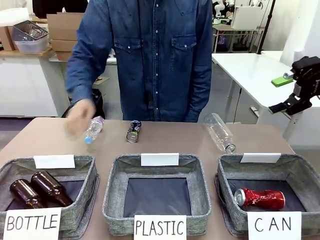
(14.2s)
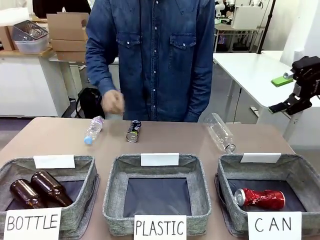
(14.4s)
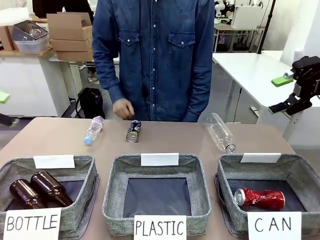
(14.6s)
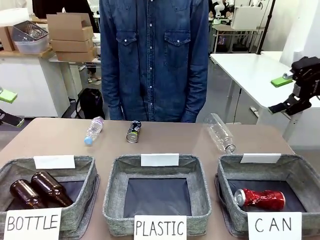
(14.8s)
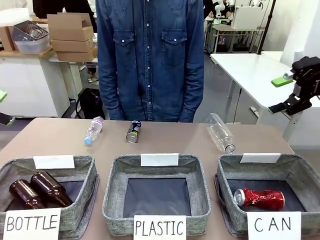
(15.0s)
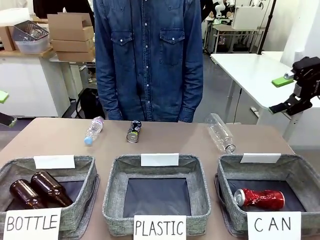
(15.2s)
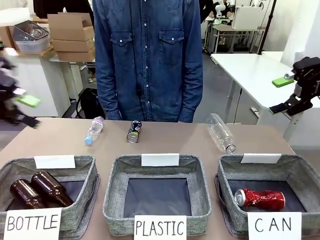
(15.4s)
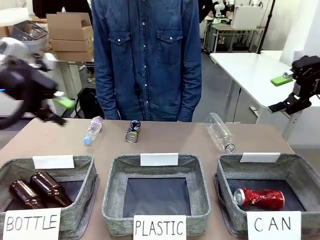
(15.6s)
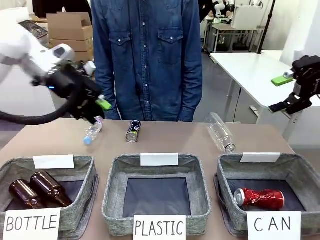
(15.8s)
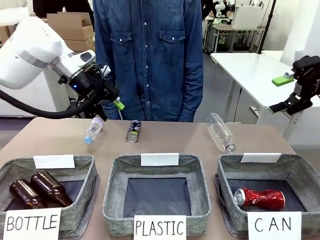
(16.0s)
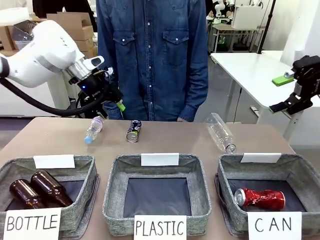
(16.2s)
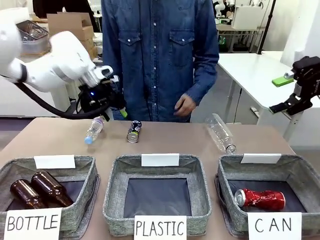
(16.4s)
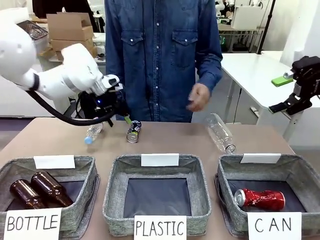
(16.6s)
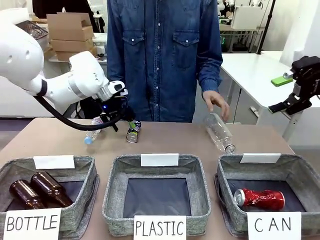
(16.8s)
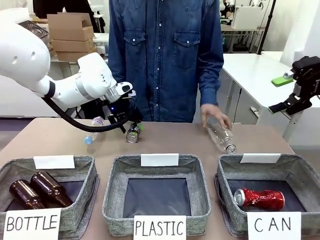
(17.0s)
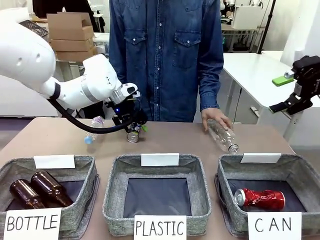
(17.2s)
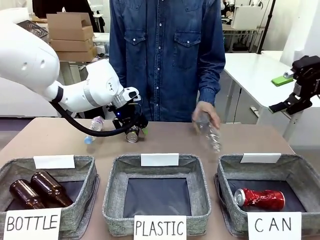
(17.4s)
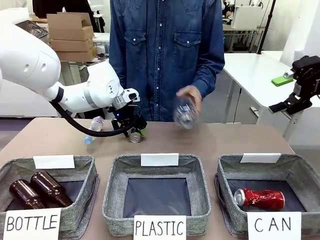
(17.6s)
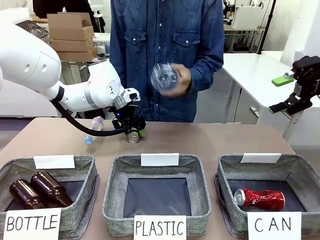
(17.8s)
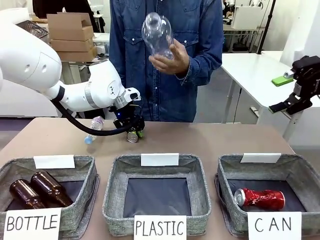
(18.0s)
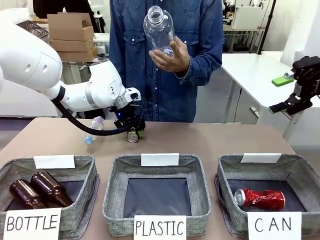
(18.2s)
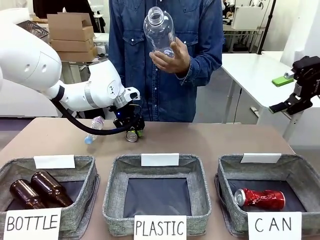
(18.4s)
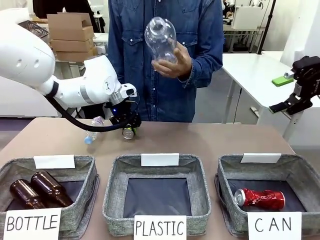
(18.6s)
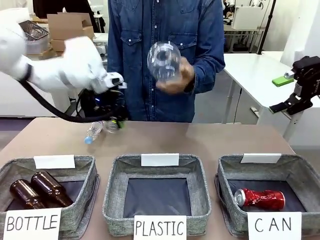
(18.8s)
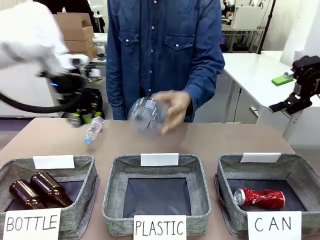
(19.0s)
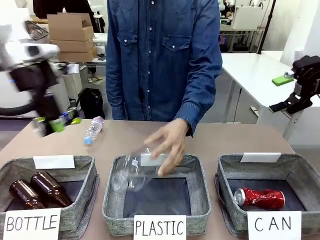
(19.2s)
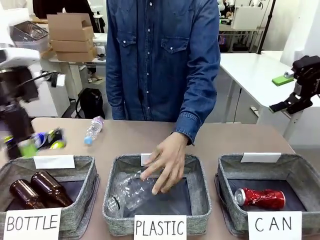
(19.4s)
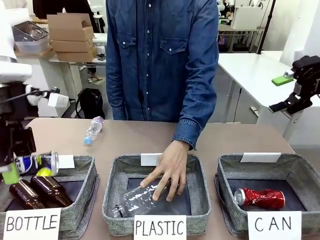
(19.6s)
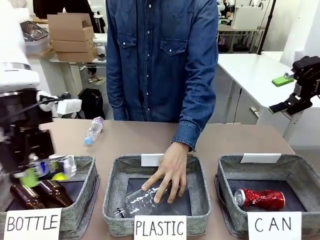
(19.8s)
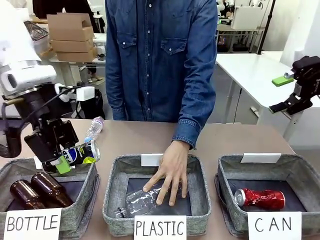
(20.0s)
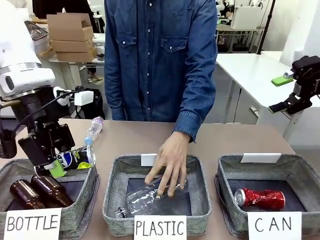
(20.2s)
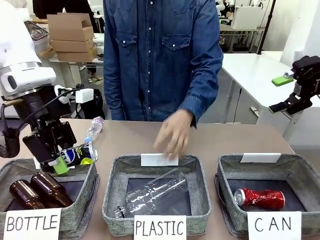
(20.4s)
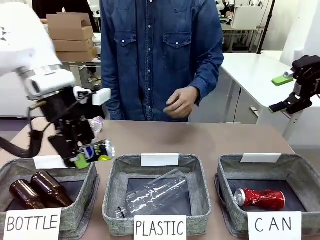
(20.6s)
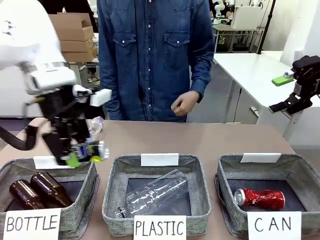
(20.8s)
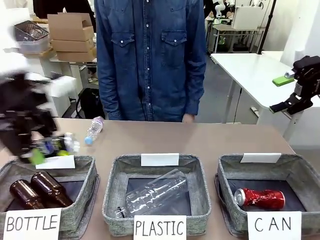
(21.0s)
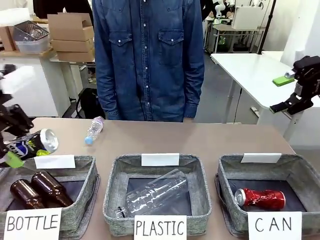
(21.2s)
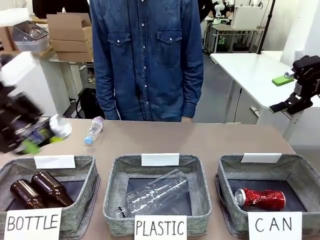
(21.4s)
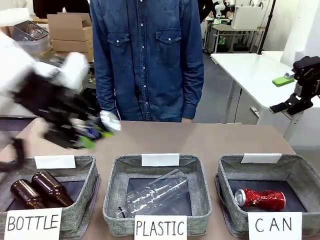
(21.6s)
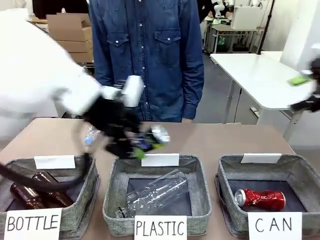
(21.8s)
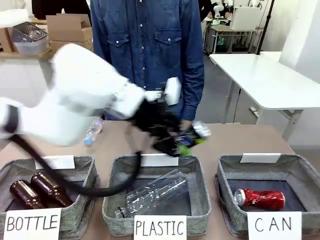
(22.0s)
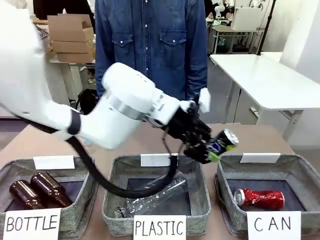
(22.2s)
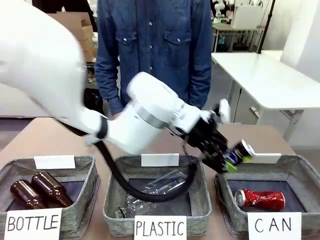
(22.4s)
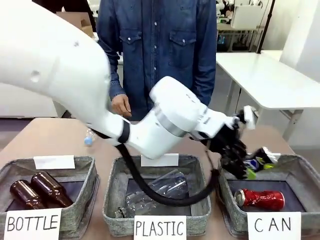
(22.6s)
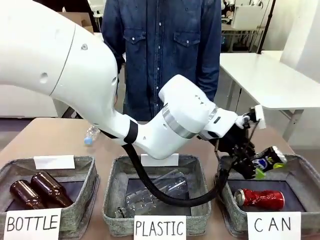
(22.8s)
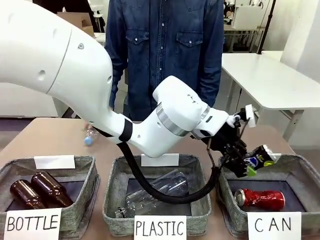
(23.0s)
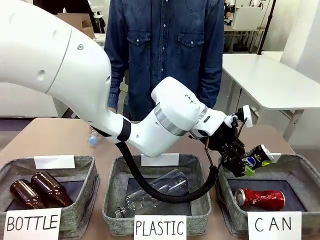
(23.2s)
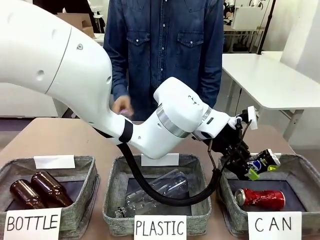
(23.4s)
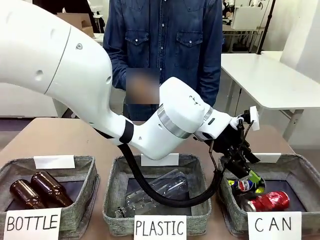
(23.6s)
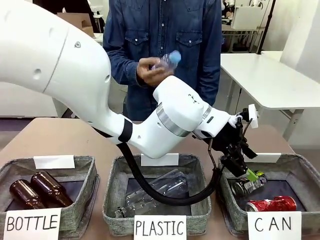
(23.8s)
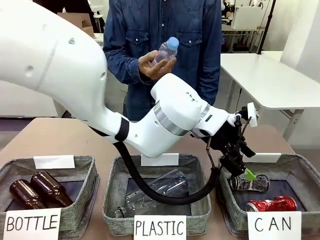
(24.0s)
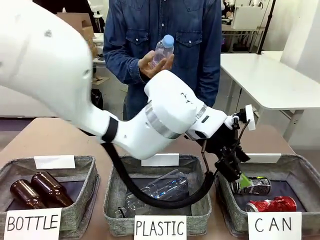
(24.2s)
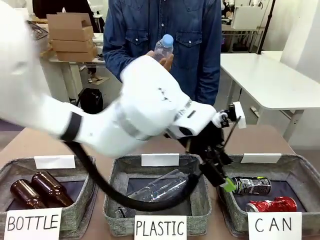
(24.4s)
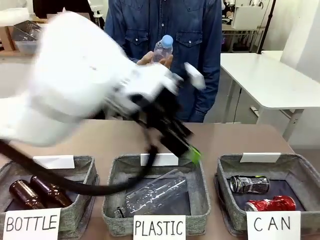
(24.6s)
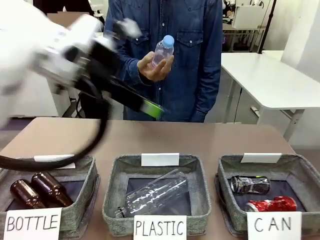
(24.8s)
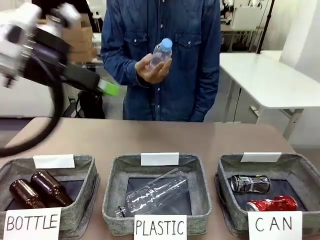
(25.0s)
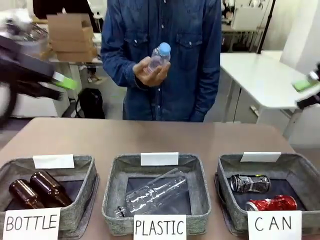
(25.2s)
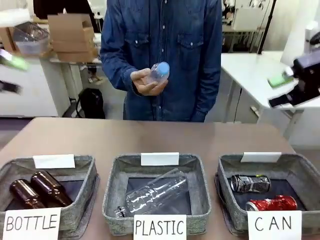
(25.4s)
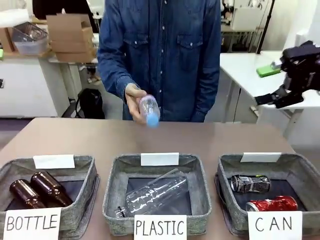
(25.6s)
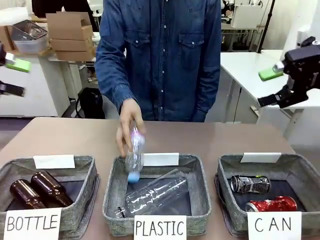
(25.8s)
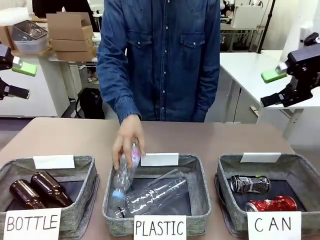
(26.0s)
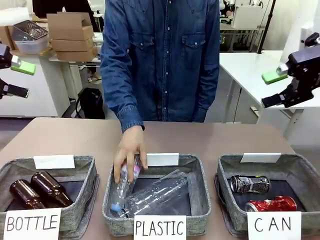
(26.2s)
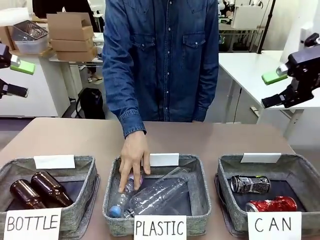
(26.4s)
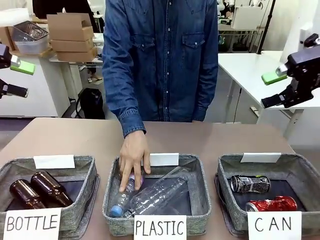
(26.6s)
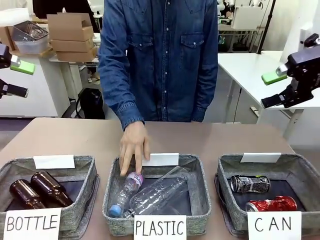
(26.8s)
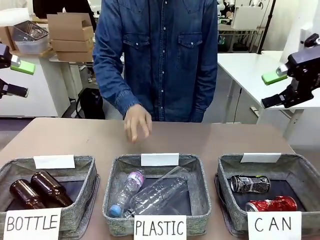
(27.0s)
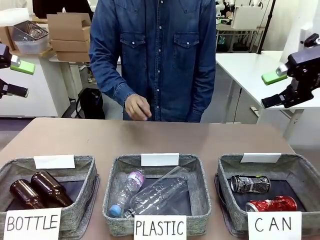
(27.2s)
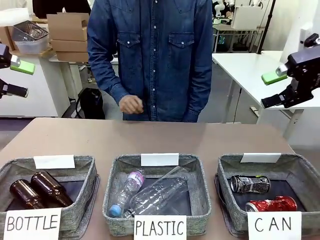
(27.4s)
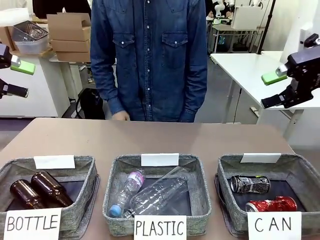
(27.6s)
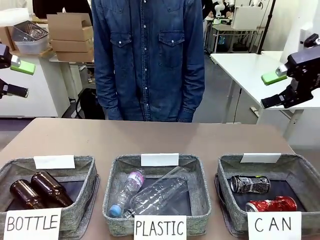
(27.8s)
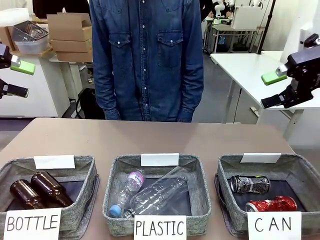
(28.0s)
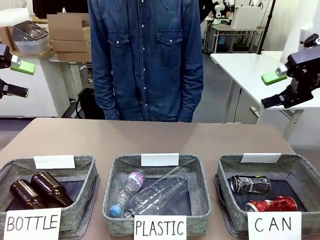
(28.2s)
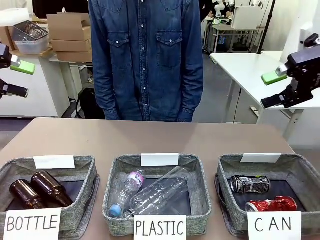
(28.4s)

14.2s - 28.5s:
Task: Sort the can waste into the basket.
Robot: Pick up the can waste from the table and place it in the right Fabric basket.
Person: The human picks up one piece of trash that is not a can and places the trash into the appropriate organizing basket.
